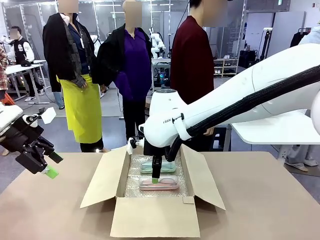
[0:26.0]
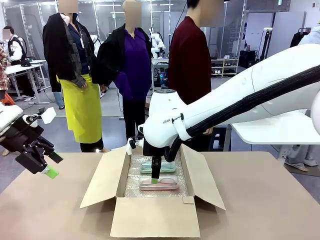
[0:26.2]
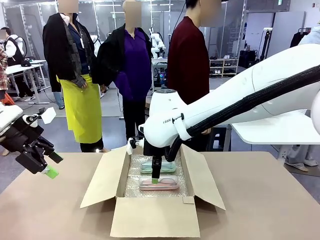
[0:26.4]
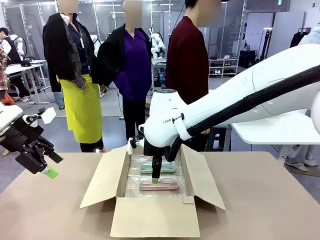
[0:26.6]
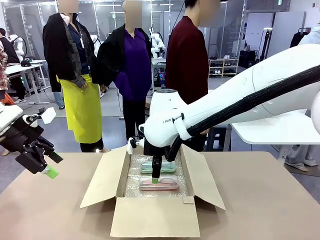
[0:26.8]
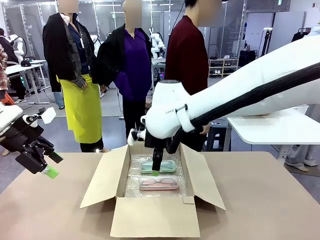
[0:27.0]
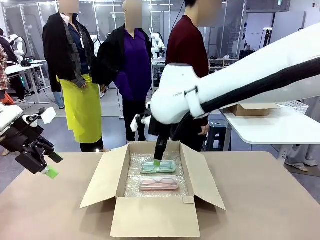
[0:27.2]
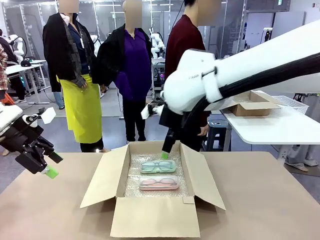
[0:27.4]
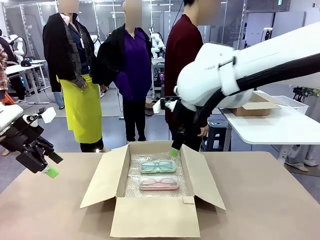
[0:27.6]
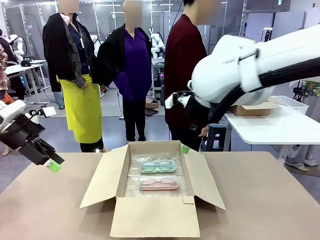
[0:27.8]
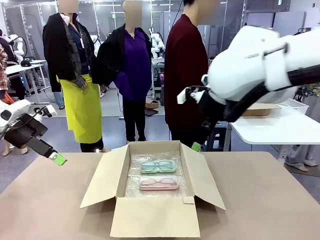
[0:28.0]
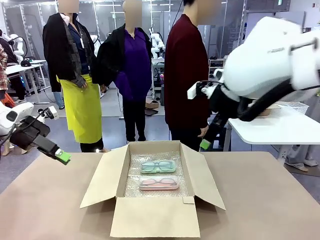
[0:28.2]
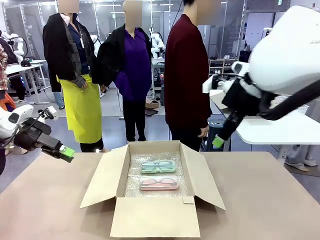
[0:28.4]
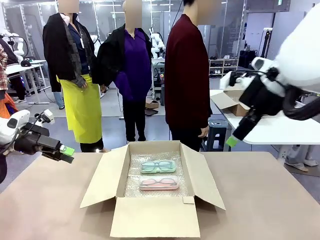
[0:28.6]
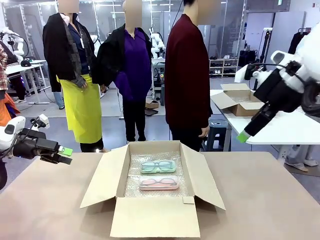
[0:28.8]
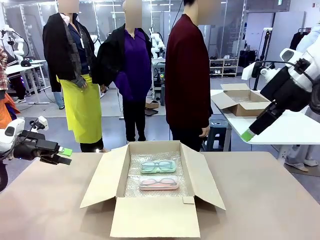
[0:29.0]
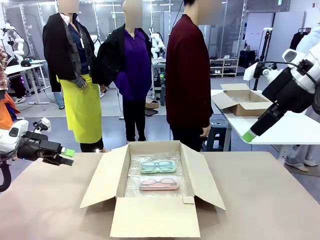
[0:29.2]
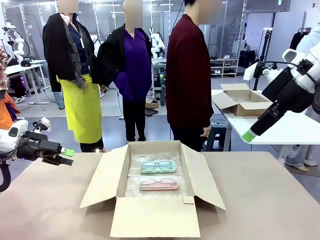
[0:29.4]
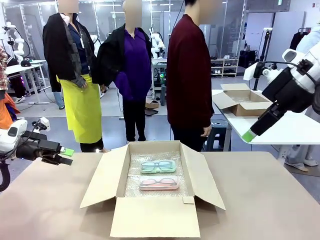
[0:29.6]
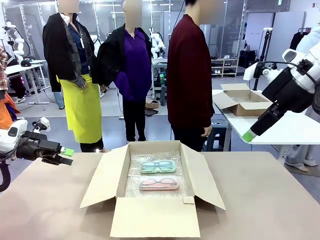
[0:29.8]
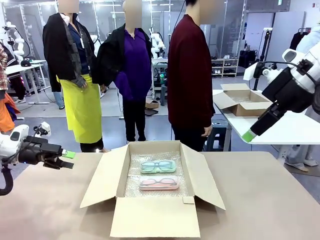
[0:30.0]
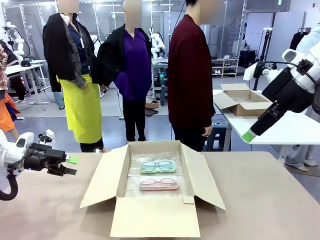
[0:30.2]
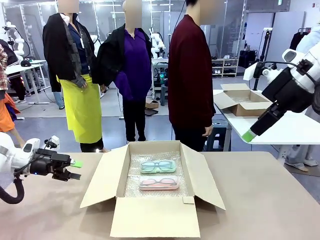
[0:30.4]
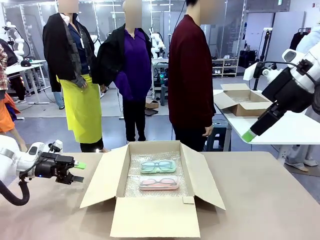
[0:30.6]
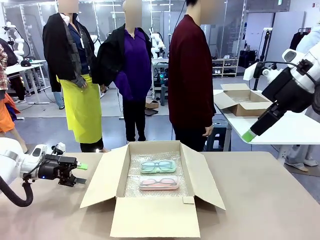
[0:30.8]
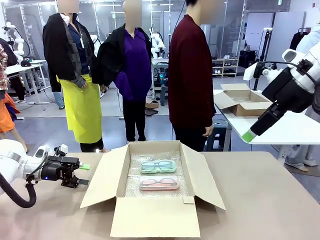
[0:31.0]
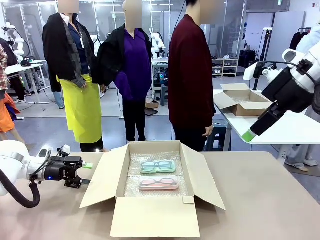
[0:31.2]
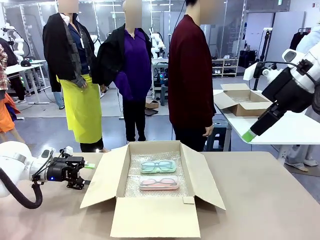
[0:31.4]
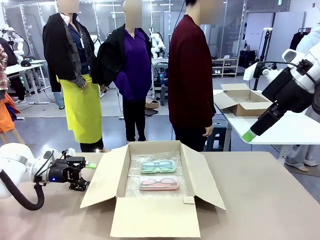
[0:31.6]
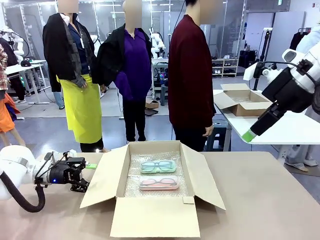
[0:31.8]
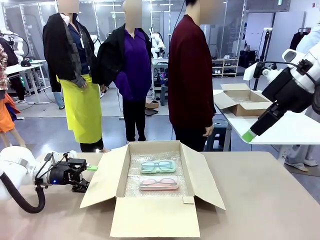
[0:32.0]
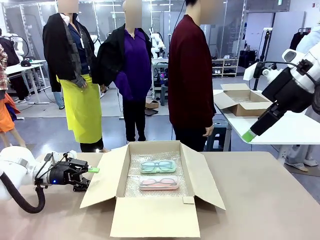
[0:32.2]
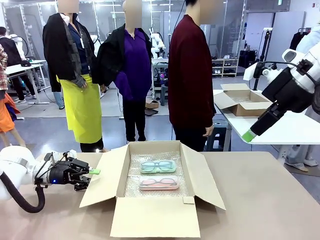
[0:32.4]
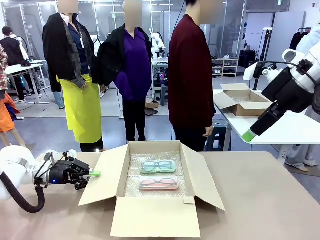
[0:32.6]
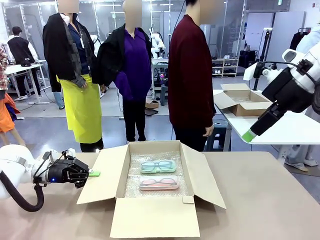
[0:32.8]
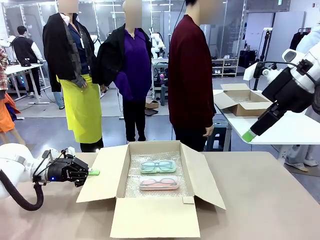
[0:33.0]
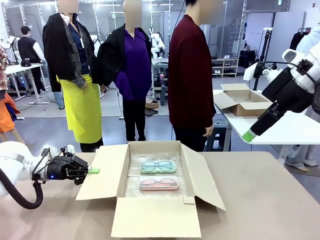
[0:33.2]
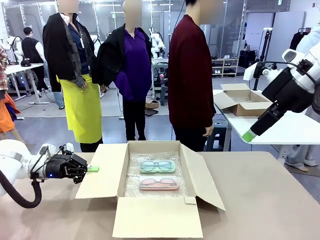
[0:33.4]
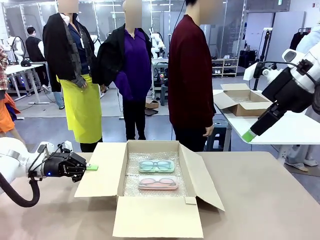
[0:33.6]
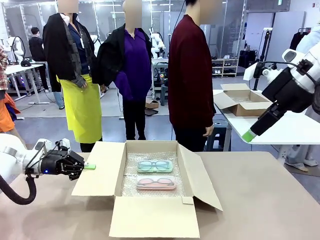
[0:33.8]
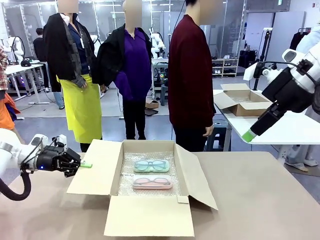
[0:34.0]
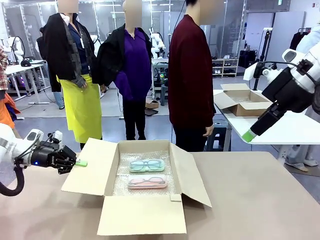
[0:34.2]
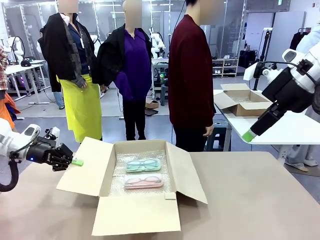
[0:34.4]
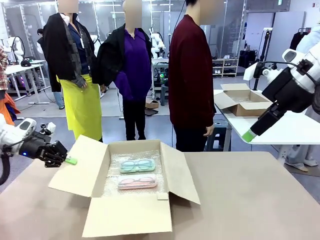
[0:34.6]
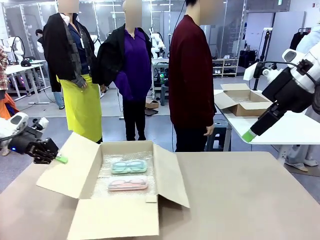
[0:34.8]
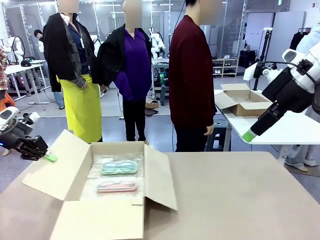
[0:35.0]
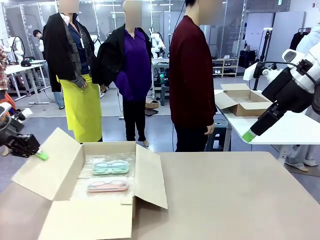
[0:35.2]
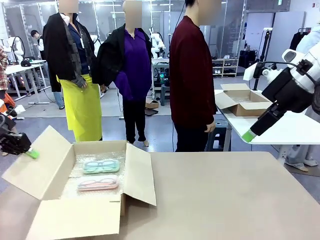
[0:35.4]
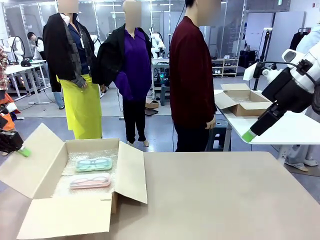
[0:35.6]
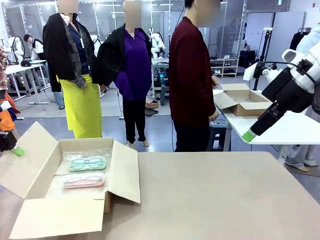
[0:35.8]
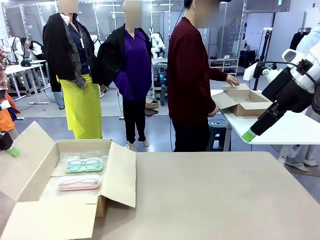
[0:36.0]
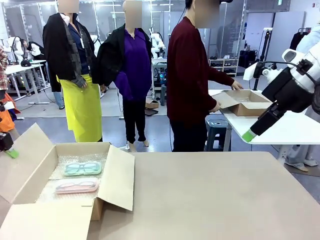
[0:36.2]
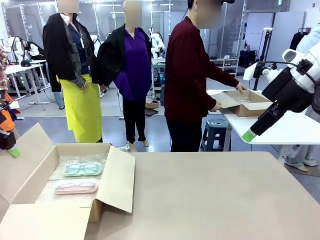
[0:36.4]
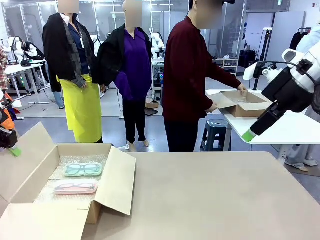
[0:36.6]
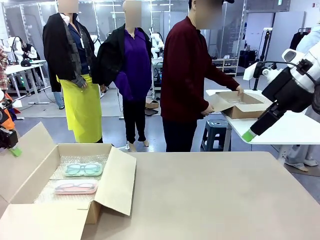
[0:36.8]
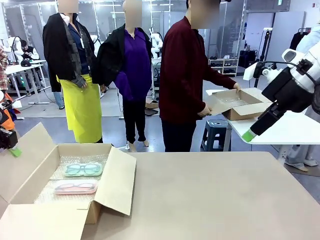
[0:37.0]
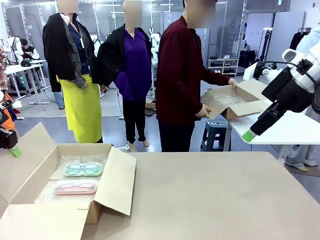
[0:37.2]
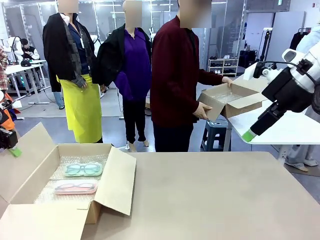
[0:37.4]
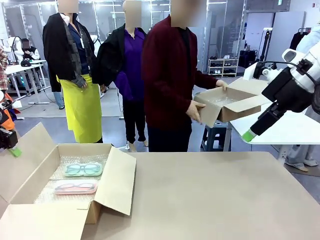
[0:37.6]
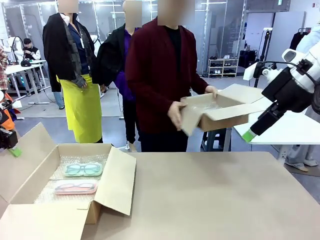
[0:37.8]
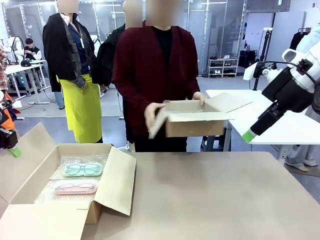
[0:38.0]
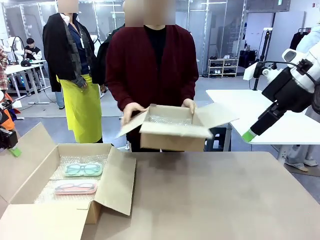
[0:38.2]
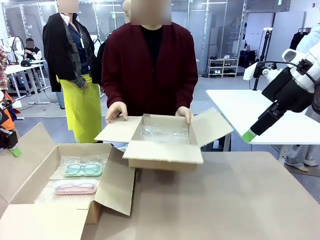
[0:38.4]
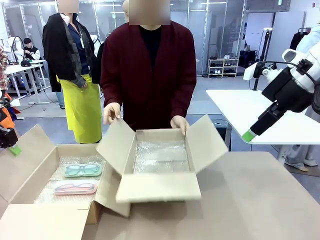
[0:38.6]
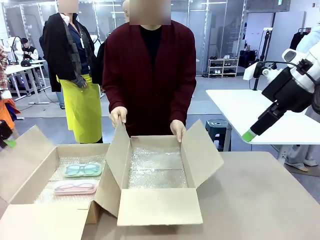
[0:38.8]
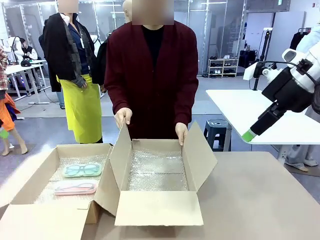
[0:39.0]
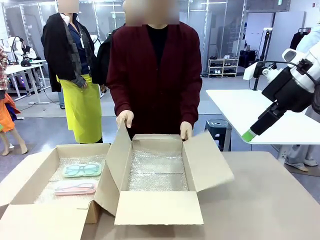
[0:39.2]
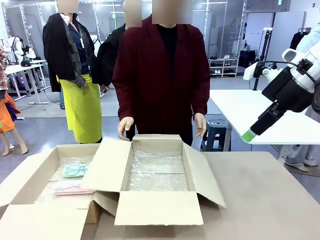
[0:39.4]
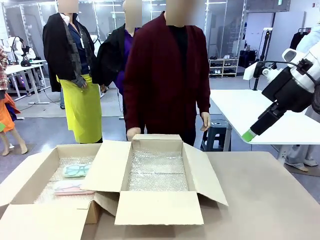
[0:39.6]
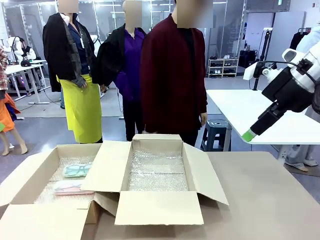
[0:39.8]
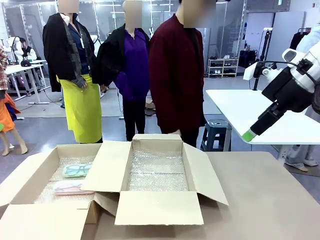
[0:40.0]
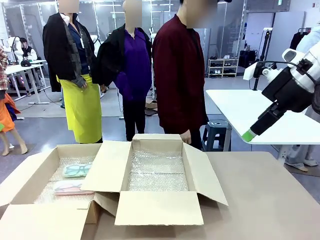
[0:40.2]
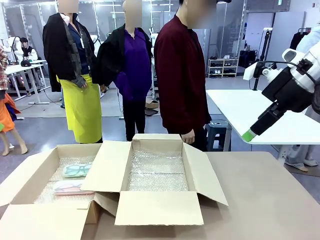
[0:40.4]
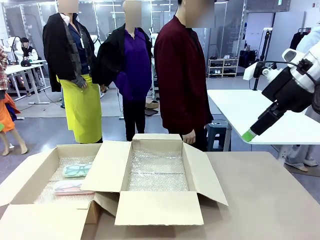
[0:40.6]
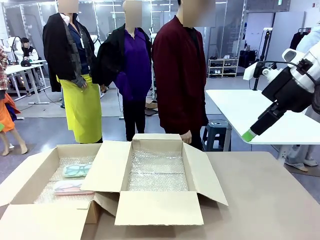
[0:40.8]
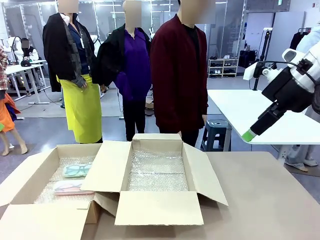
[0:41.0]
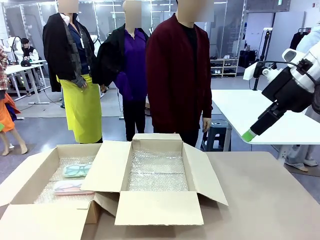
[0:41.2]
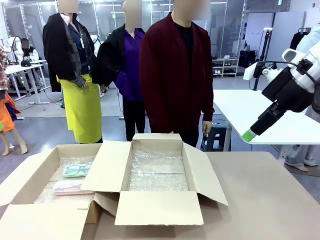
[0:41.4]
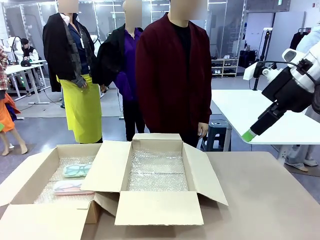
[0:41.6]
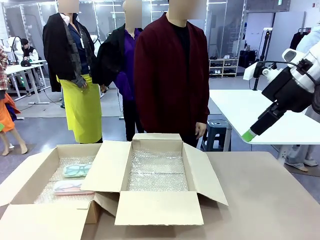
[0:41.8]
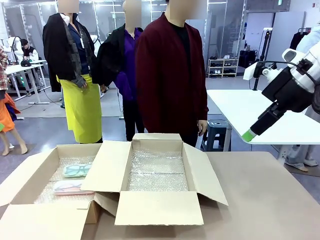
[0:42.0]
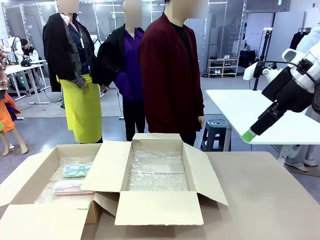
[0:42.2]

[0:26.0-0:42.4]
Task: Pack the glasses set securely to prepare it for shipping.
Robot: Position the Package Box on the left side of the table.
Person: Position the empty Package Box in the middle of the robot's table.
